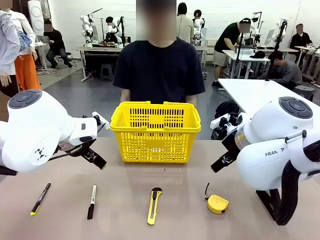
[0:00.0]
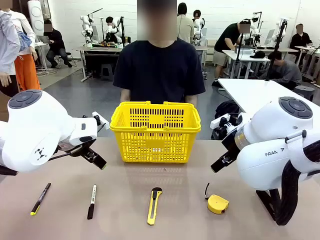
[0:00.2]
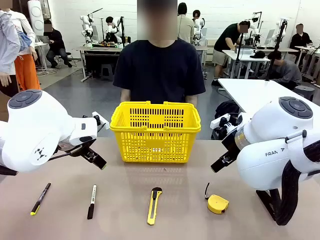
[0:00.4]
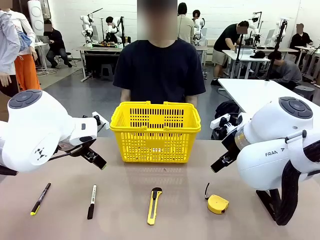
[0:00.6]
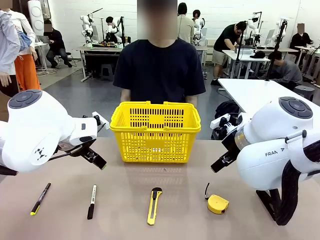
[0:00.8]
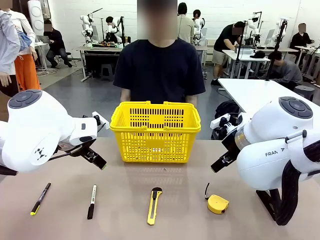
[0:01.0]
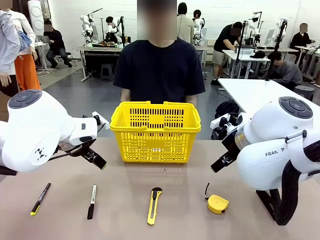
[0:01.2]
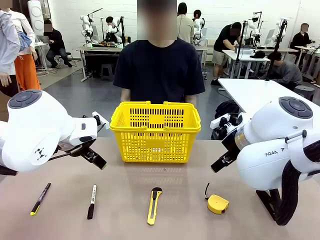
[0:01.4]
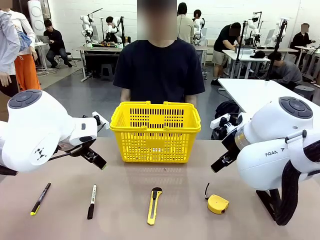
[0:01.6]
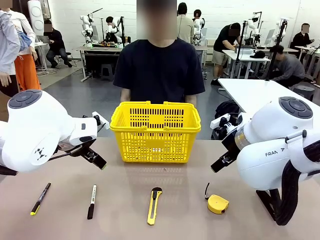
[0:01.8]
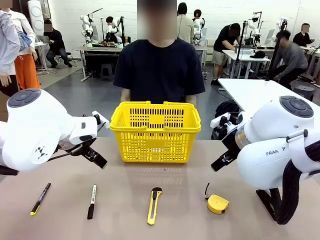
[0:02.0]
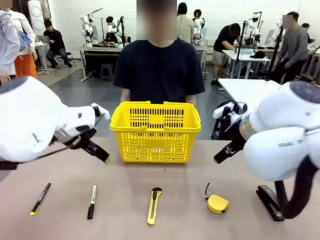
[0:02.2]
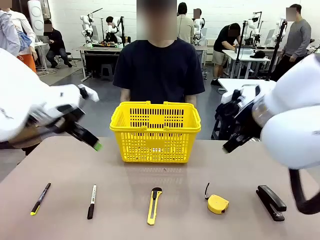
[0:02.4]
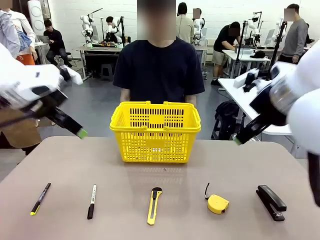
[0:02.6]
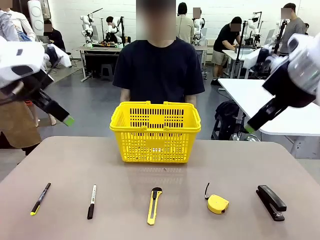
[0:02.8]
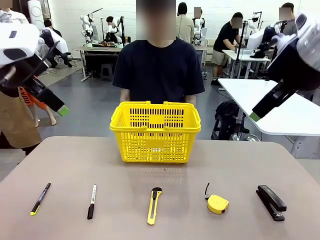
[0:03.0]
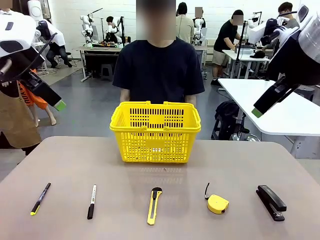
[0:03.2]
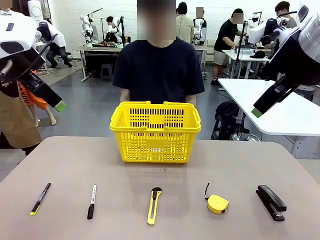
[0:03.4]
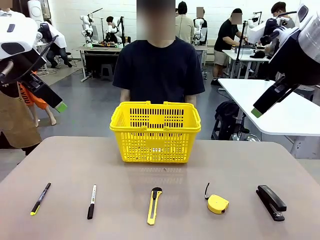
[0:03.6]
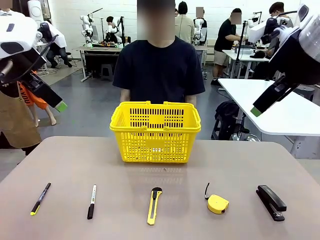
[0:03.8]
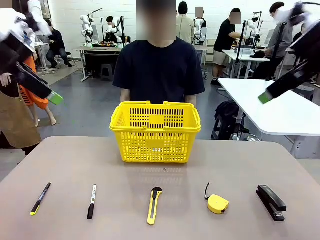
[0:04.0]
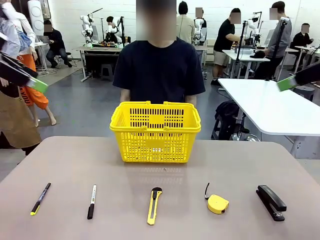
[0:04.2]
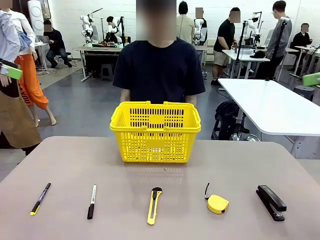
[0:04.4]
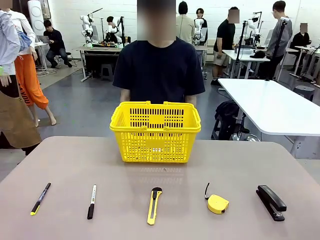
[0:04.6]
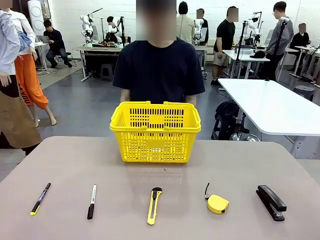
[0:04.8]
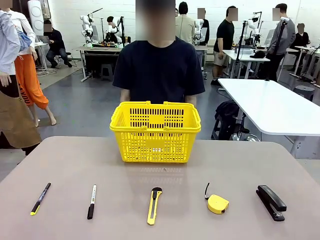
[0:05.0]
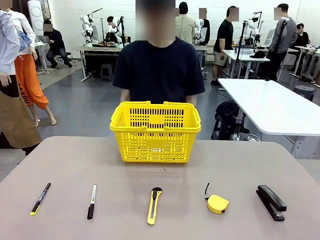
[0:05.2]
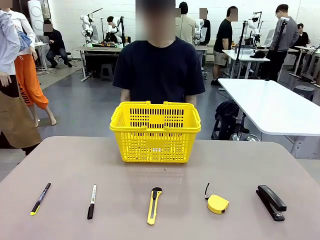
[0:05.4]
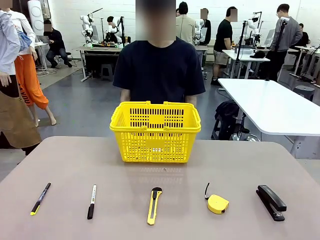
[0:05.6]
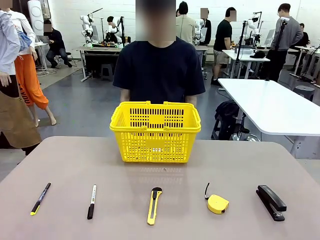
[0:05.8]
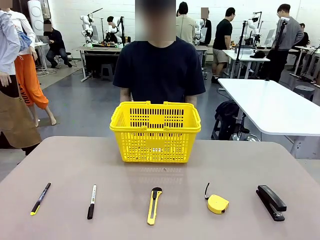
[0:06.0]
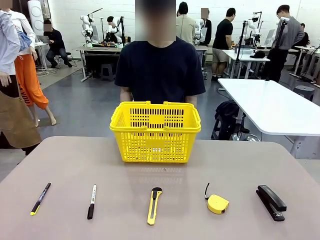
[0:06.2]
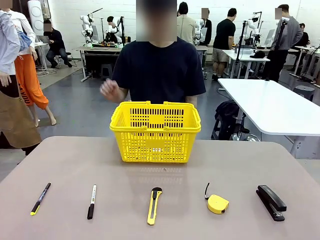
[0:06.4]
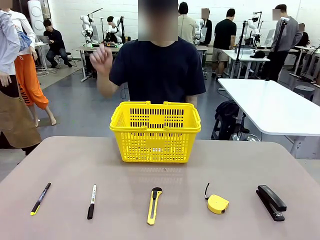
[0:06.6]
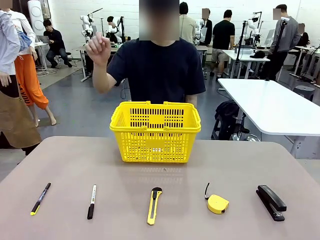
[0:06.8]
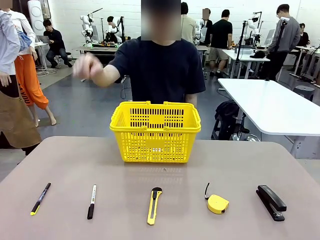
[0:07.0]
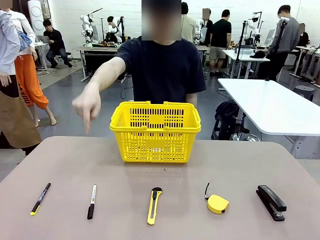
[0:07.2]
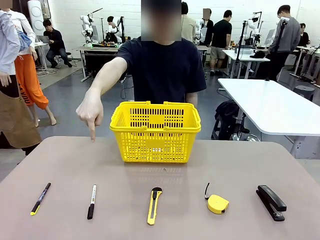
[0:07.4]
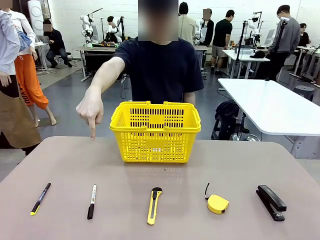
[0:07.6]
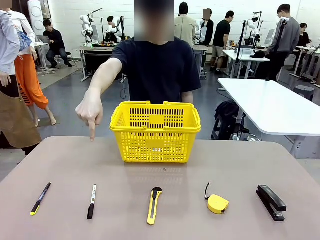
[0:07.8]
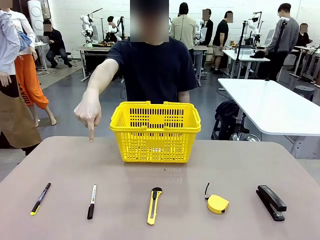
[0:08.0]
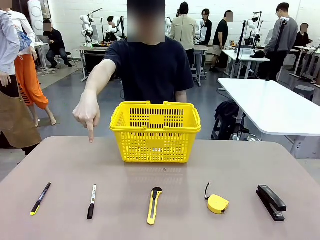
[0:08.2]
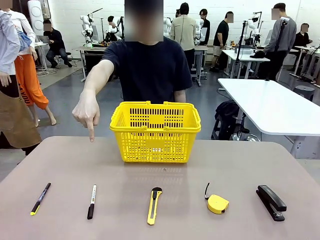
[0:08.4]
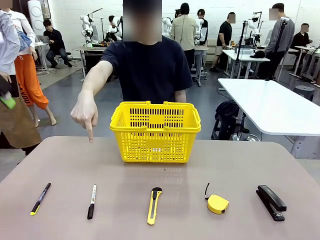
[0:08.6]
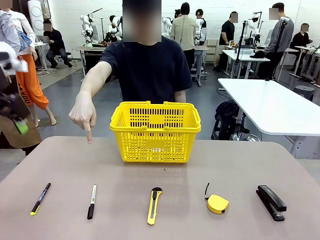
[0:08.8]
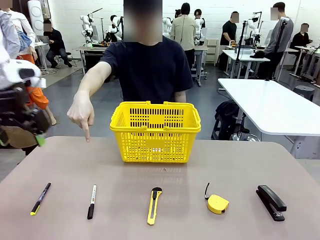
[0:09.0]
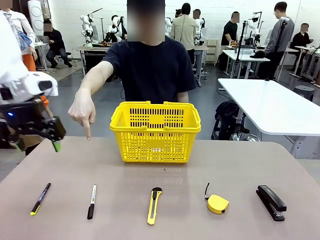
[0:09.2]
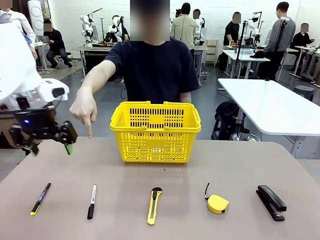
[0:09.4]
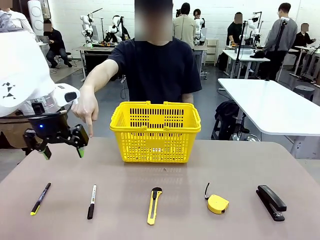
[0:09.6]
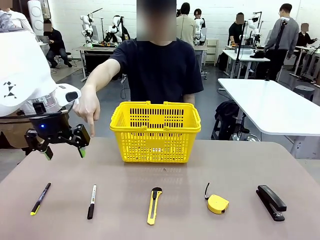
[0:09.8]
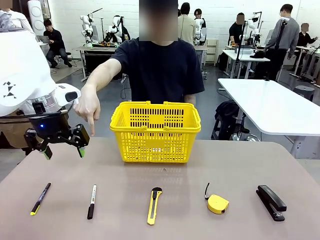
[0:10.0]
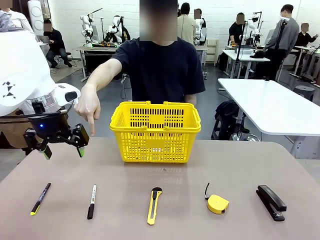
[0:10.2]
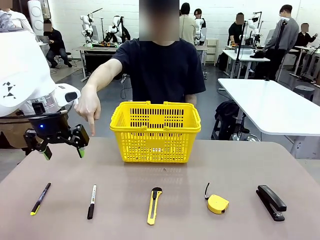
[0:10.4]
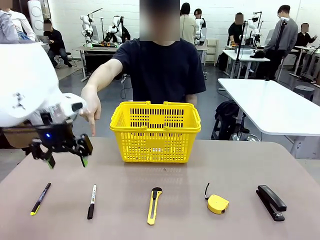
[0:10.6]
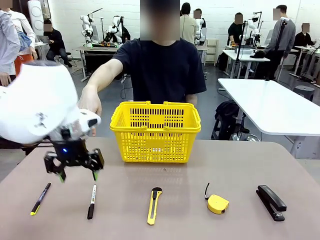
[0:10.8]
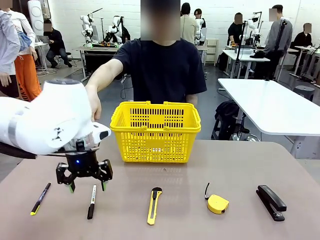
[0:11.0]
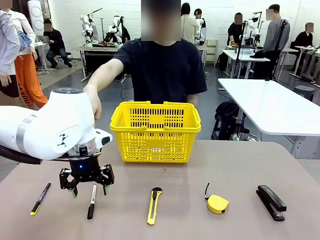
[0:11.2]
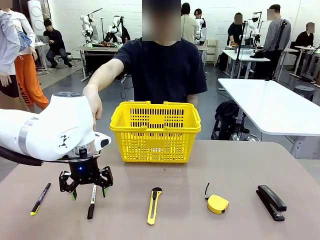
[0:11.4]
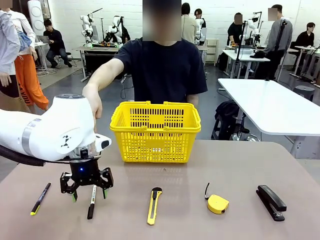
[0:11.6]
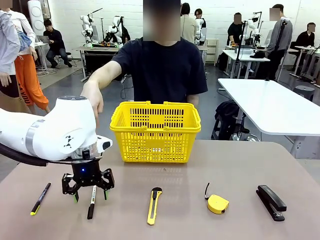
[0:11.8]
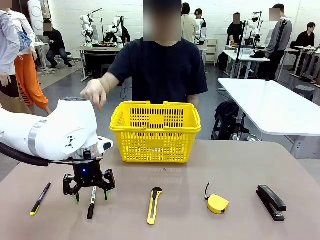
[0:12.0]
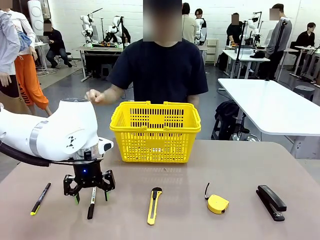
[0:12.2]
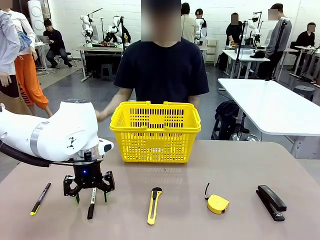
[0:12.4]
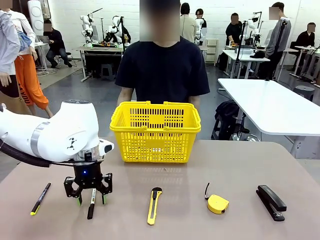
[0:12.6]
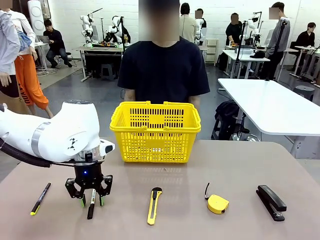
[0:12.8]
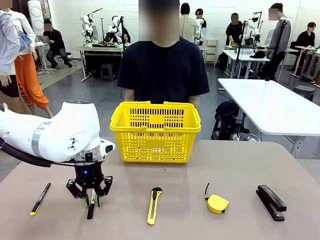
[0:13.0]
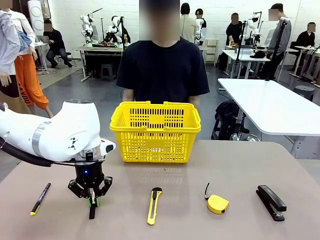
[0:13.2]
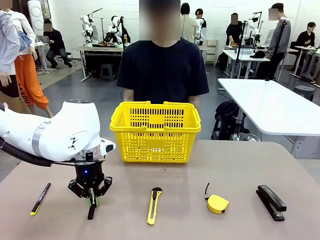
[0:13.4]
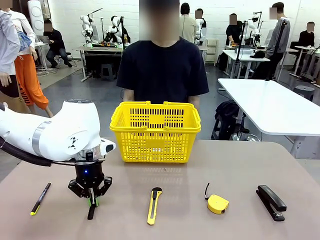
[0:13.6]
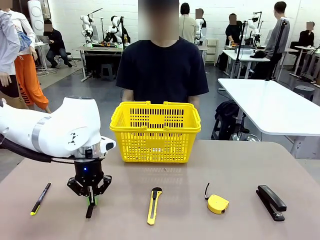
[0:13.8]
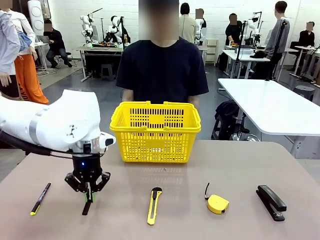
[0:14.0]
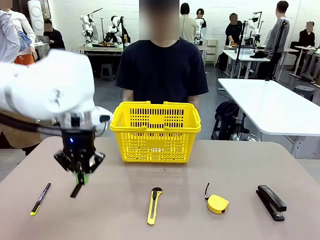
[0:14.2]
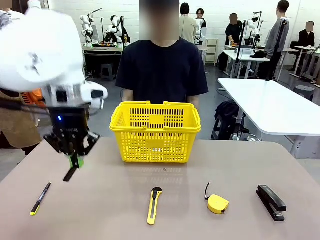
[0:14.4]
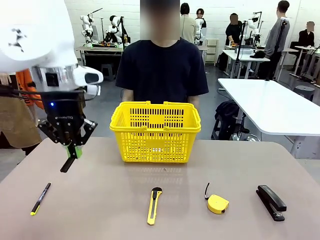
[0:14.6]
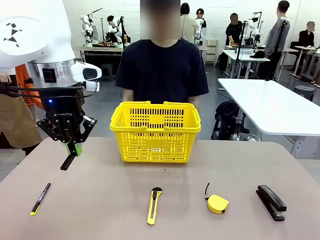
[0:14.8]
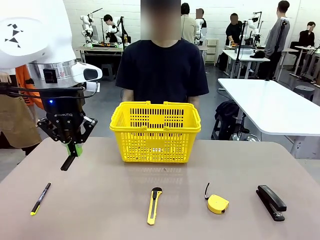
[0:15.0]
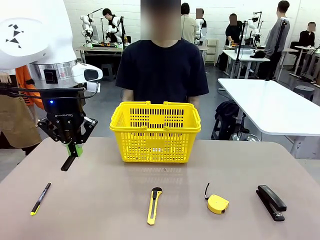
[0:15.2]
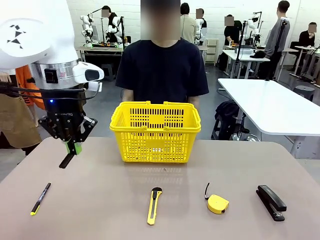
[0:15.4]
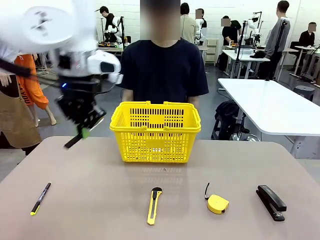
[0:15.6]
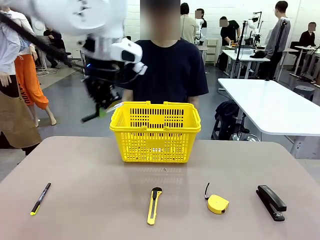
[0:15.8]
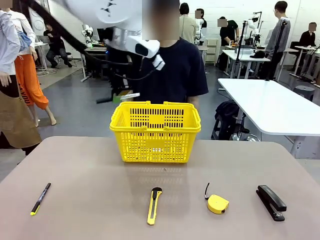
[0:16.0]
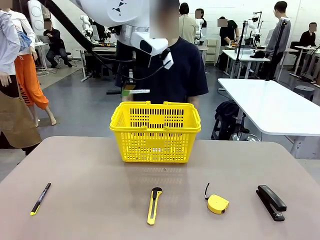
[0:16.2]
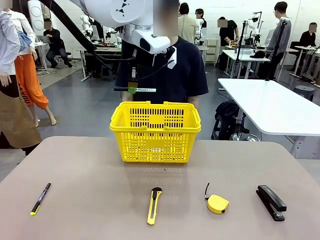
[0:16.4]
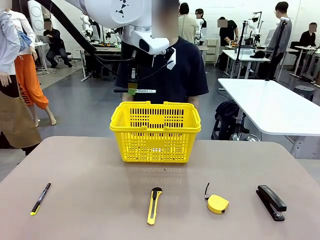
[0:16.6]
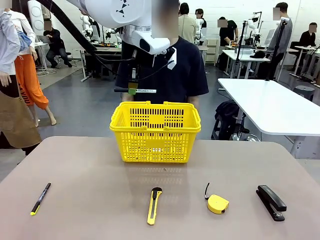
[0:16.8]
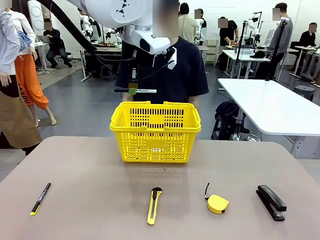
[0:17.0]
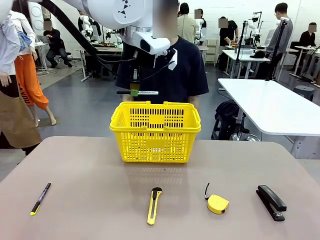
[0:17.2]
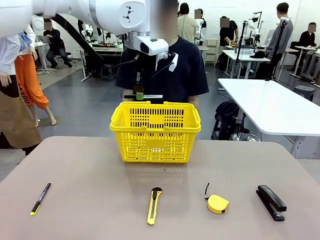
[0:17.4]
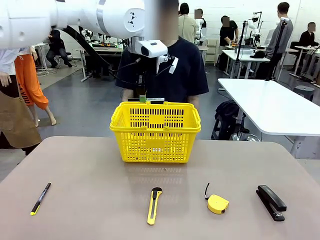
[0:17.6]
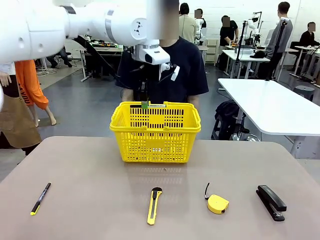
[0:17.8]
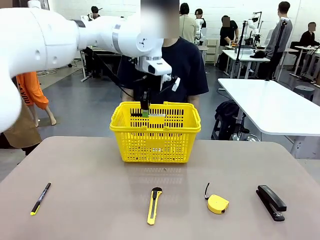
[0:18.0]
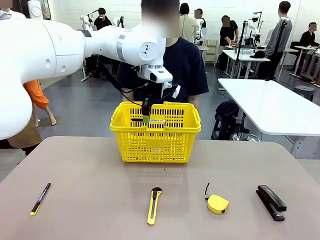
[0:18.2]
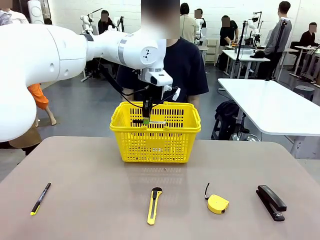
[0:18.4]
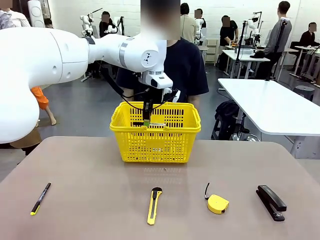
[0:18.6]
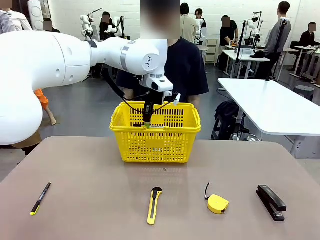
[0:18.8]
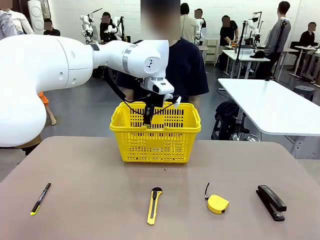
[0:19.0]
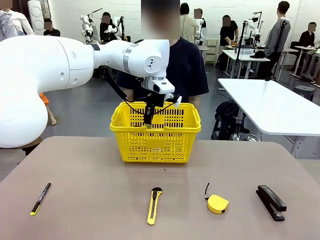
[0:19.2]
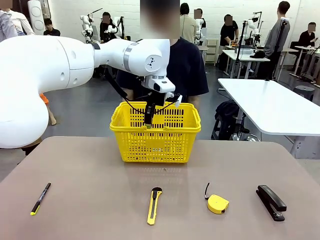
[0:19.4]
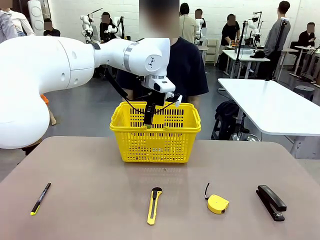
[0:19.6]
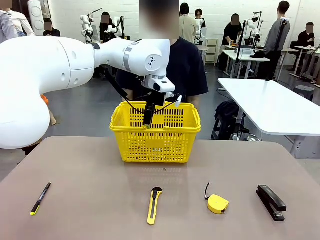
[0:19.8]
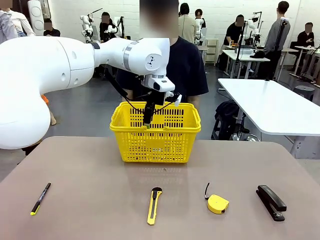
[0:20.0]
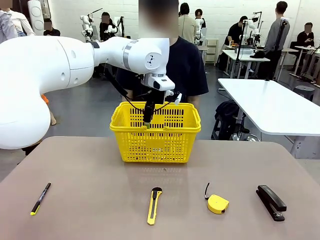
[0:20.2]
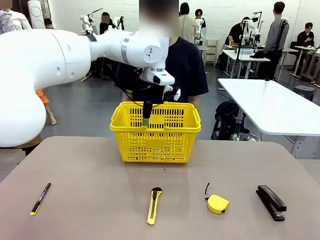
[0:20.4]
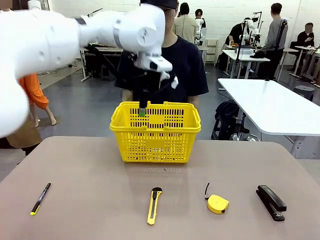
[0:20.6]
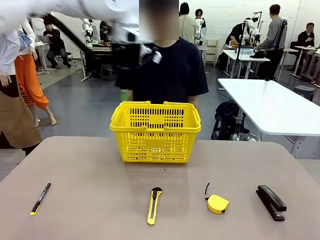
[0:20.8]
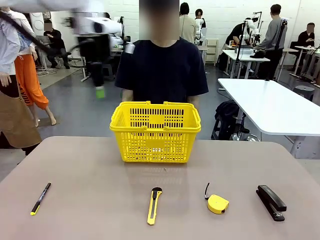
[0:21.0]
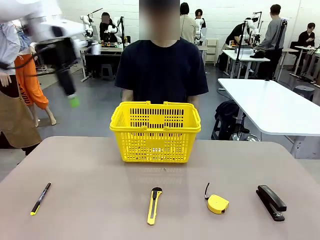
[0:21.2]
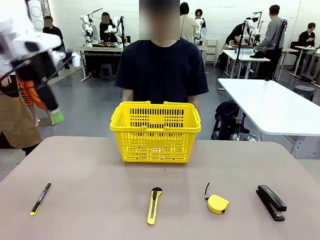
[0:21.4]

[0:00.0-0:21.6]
Task: Place the items the person wants into the basket.
Robot: Pick up the item the person points to and place it in the Market Basket.
